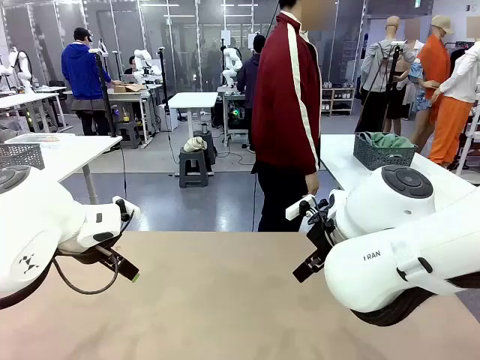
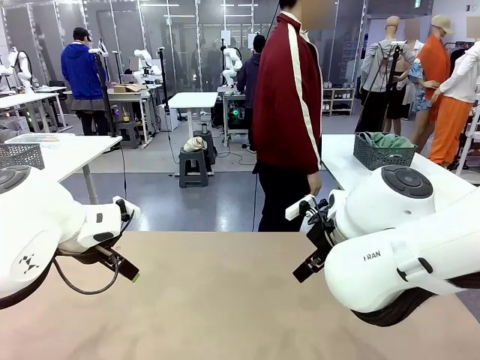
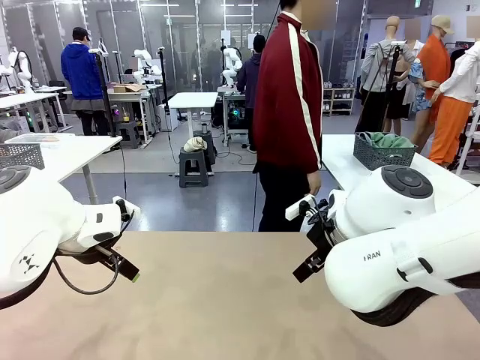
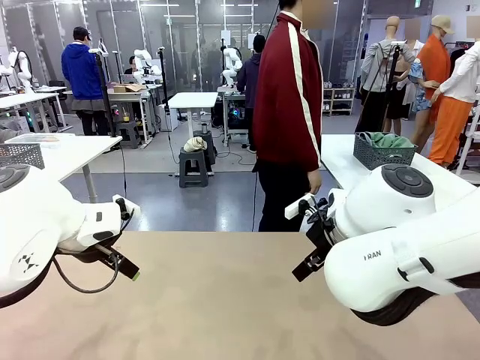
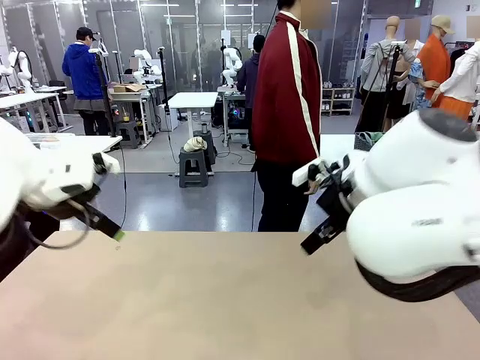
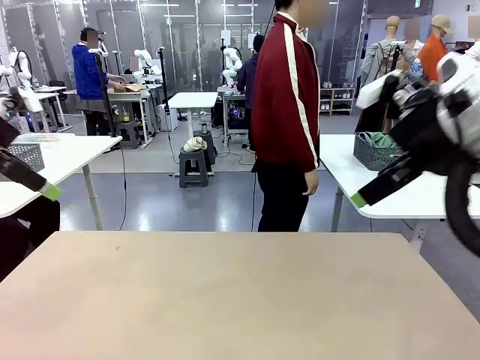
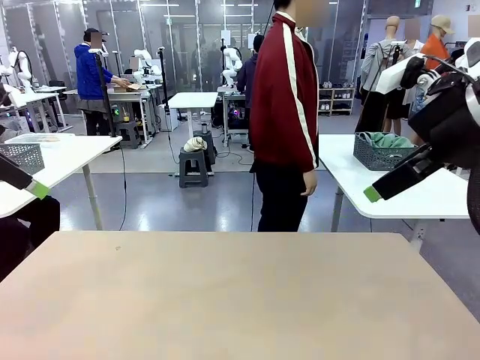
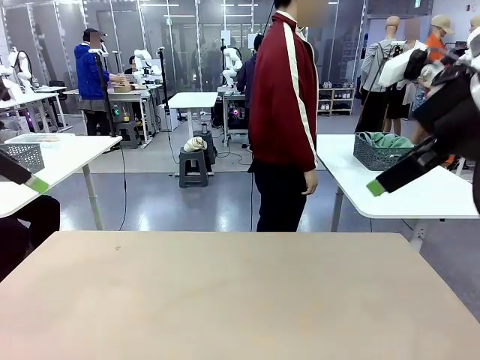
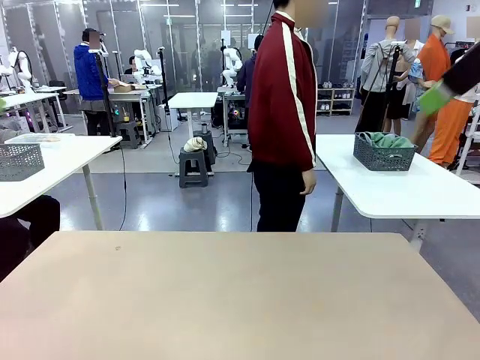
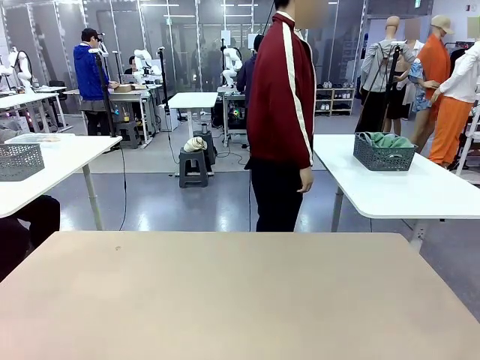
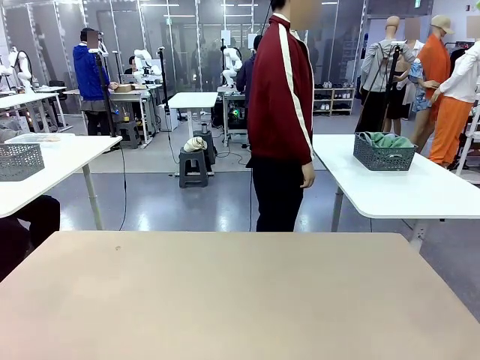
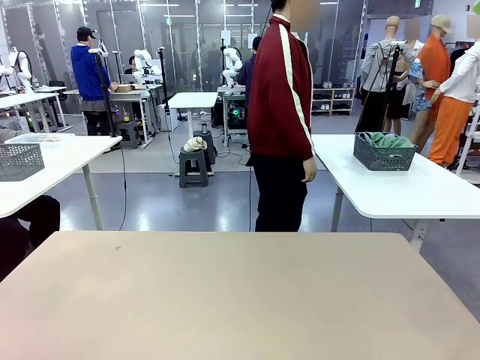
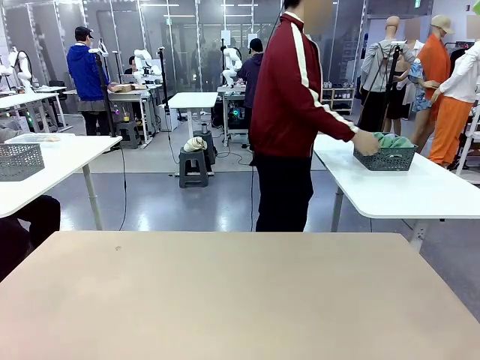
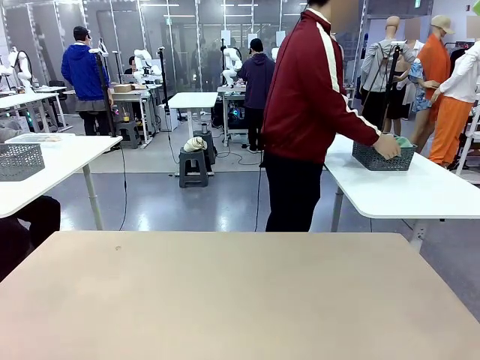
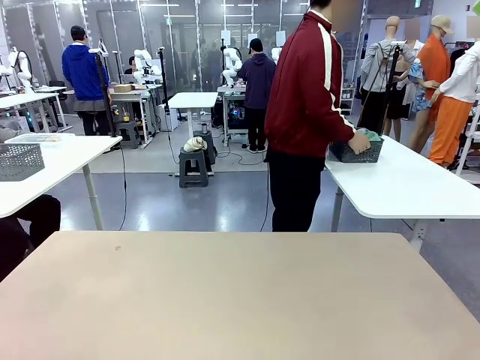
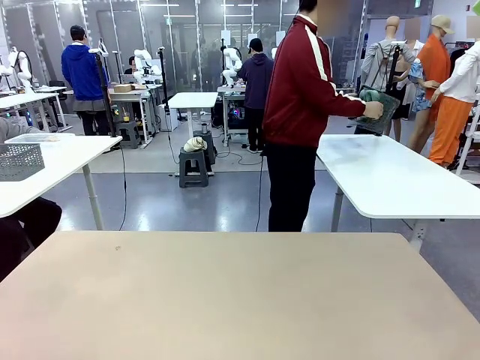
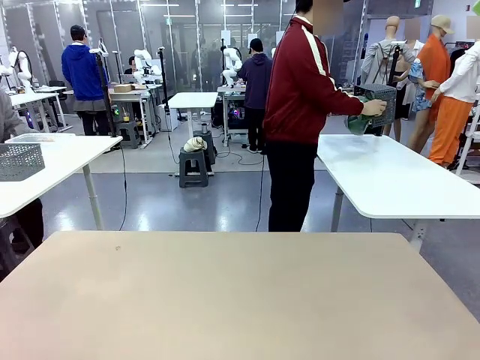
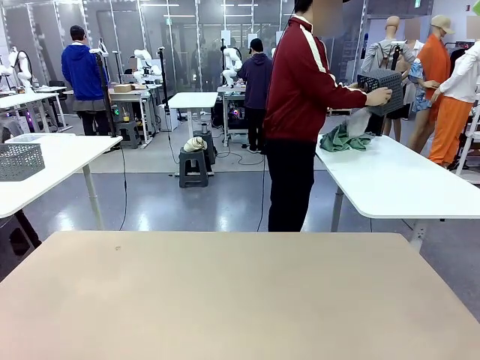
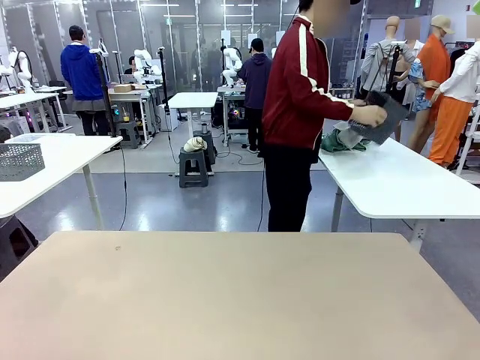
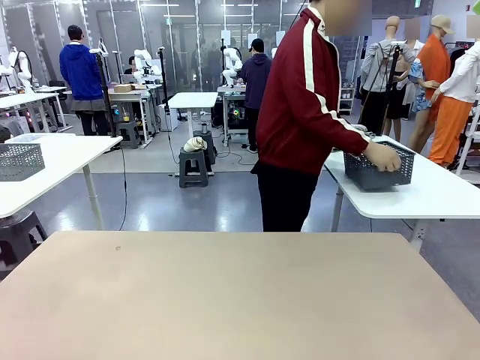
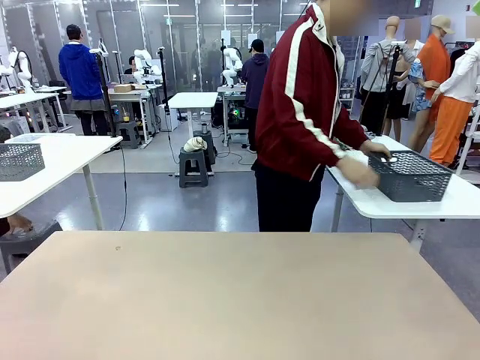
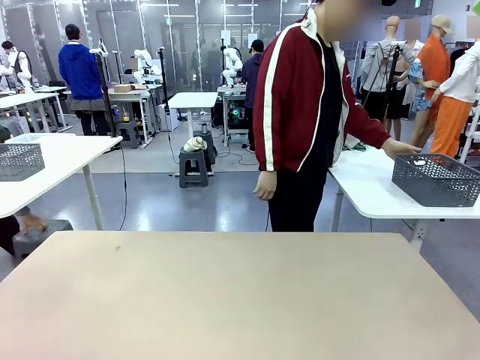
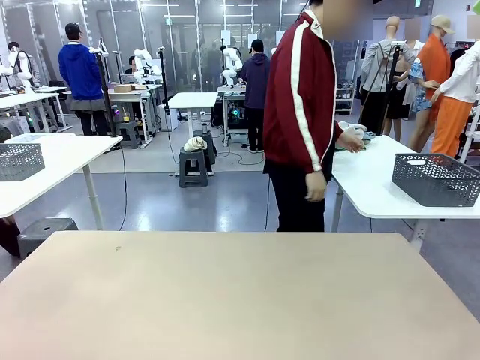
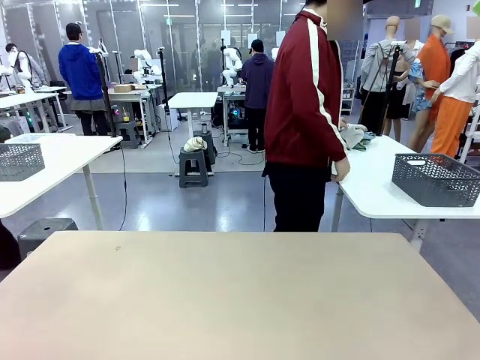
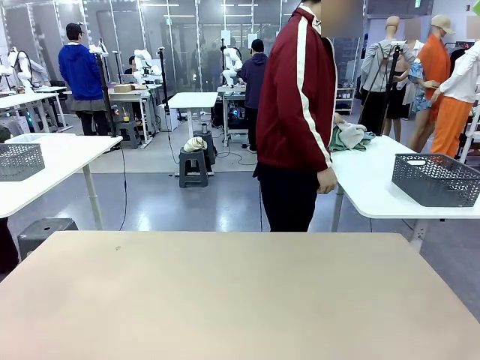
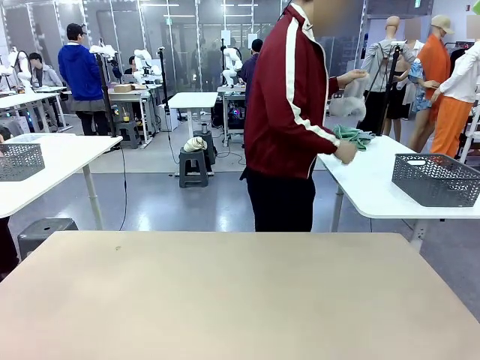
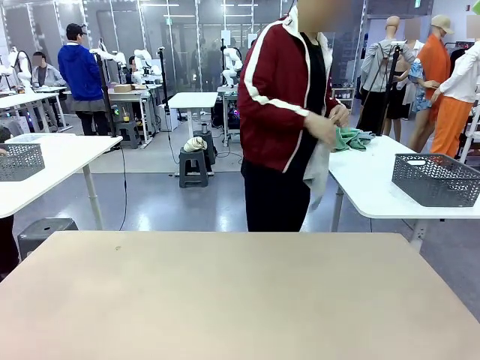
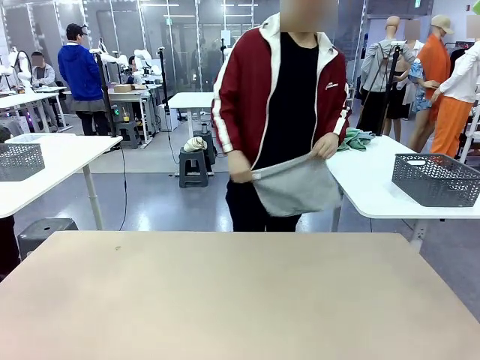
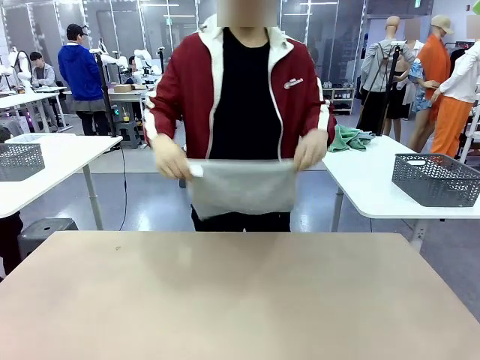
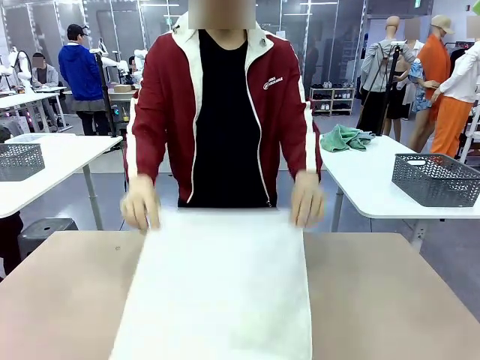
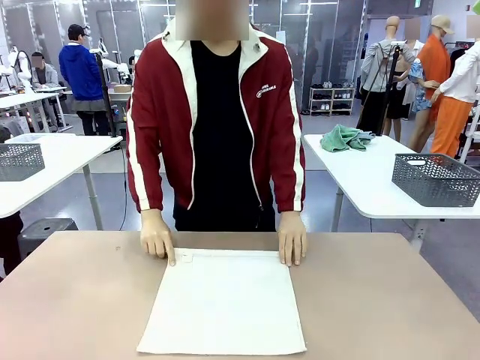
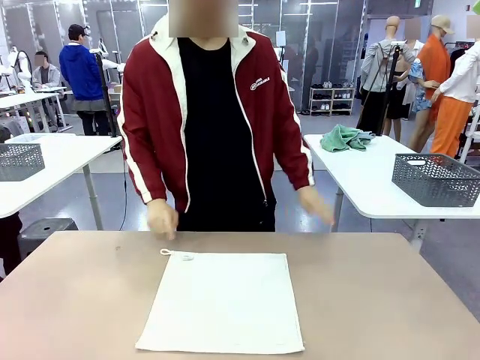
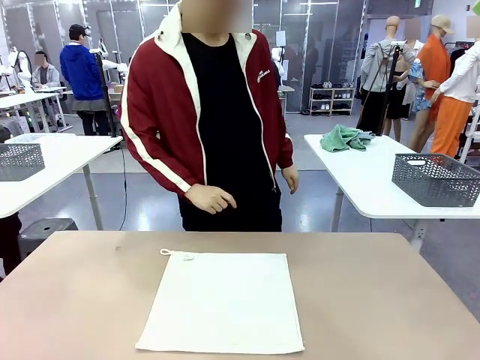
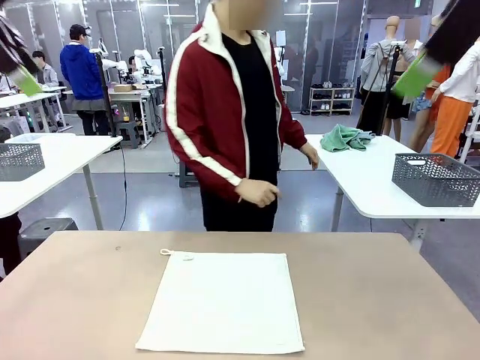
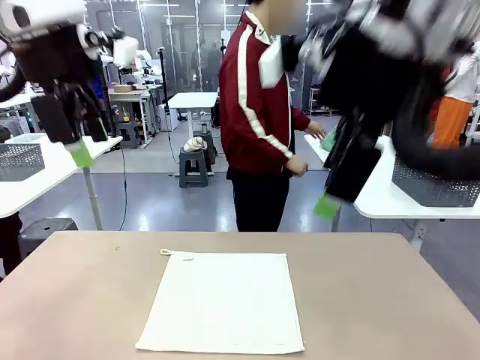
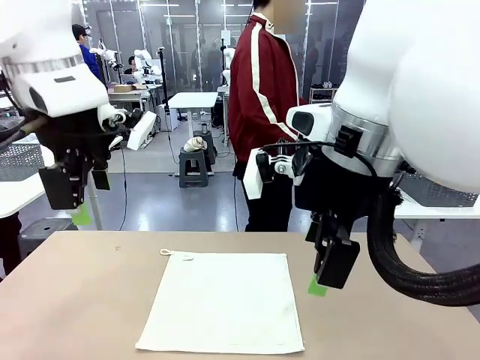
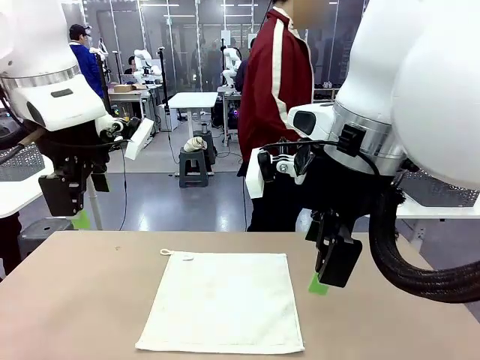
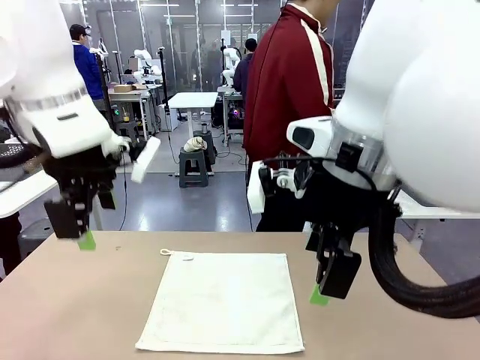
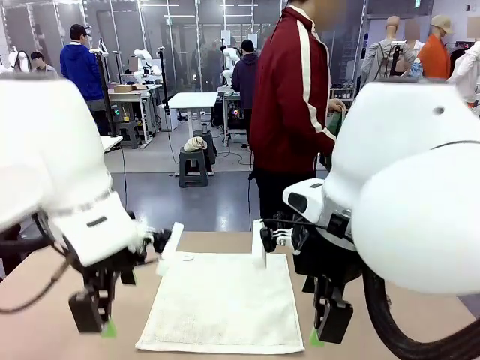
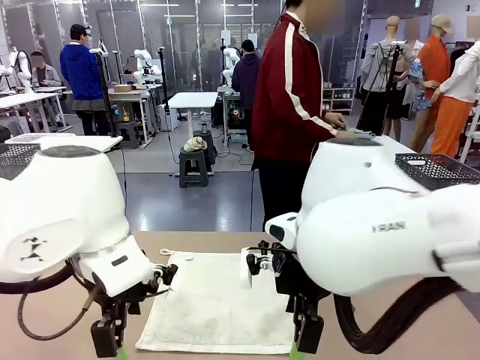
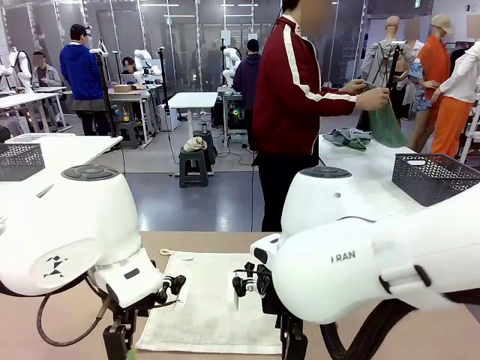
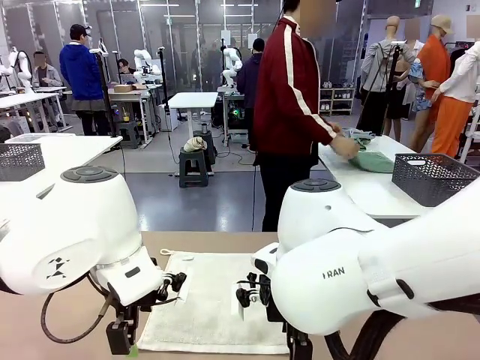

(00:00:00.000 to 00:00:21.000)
Task: Fold the towels and place them in the basket.
Robot: When a person lays out a Towel with hook on the table, fold it in half twice.
Person: Pick up the basket, pour the towels onto the left side of the human table, and place the basket on the right side. Pick up one towel and spread it out at the center of the robot table.

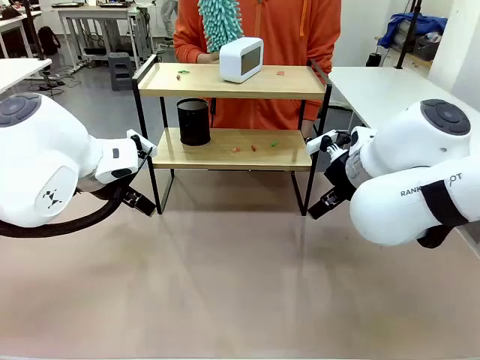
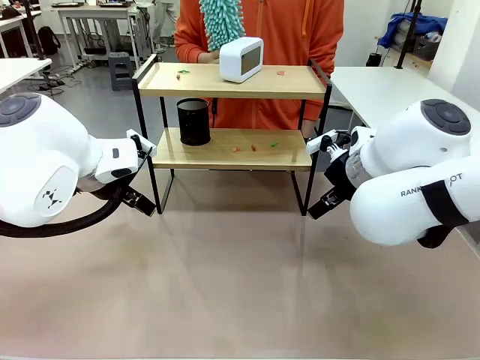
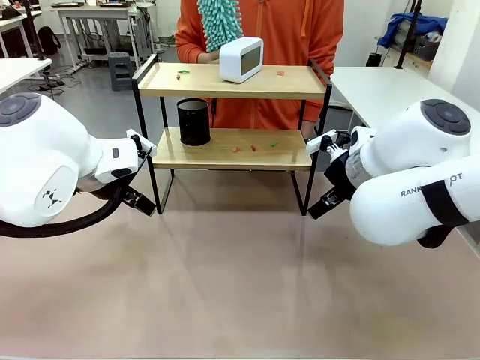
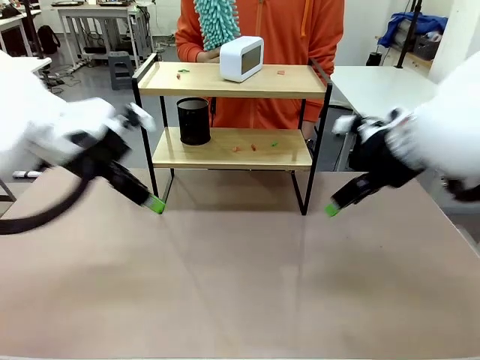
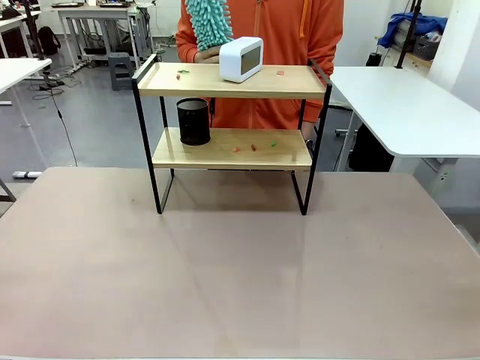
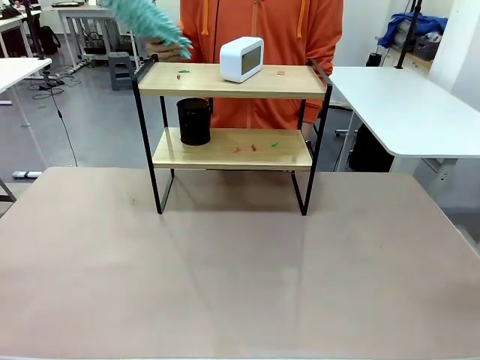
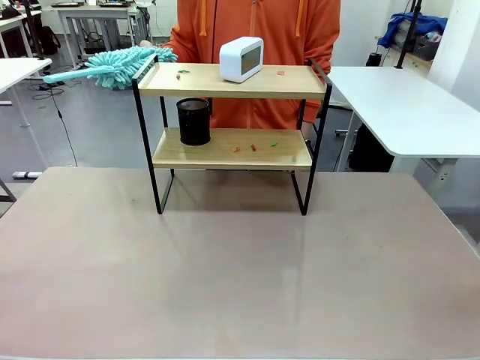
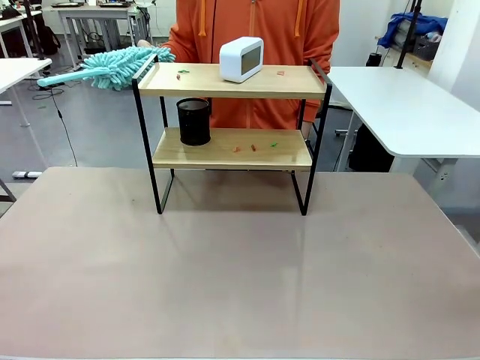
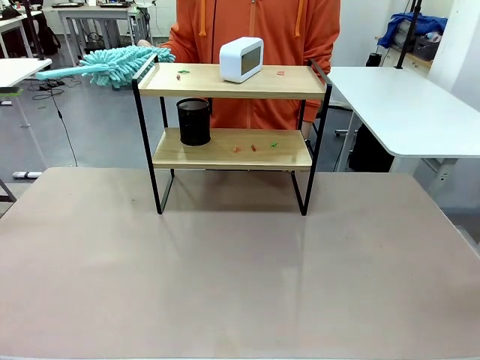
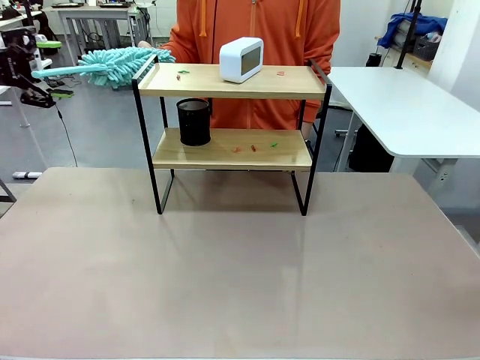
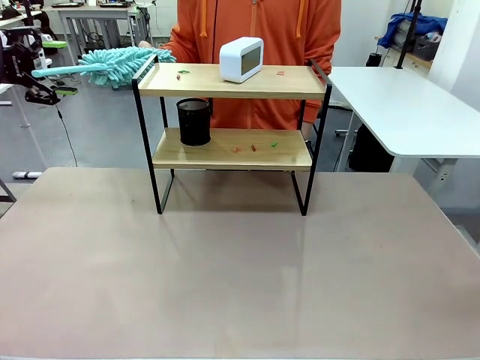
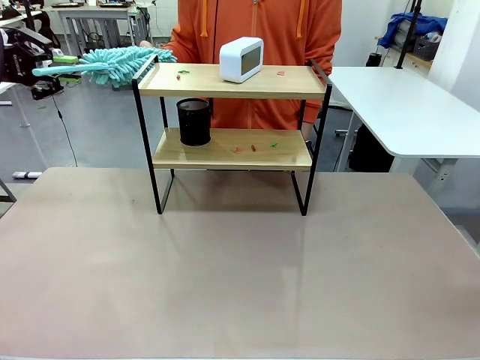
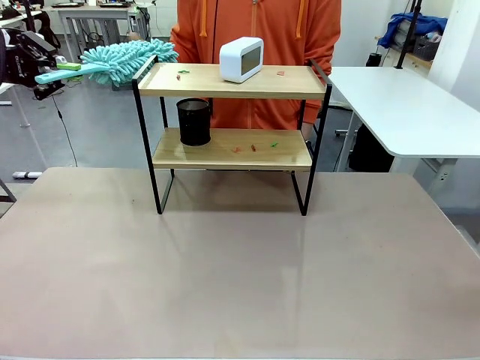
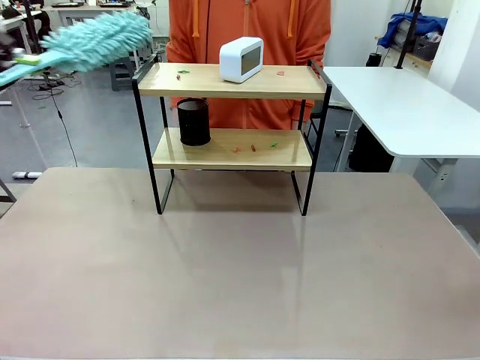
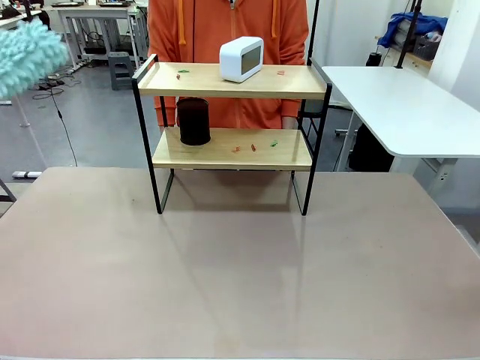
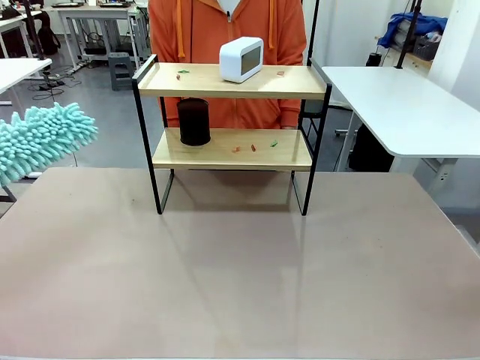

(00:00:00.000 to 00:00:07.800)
Task: Clean the shelf.
Robot: Pick up the Duster from the human.
Person: Hand the Duster to the robot.
